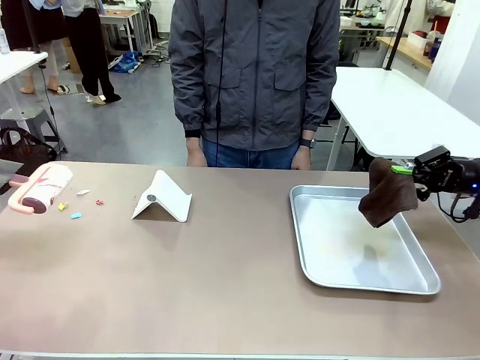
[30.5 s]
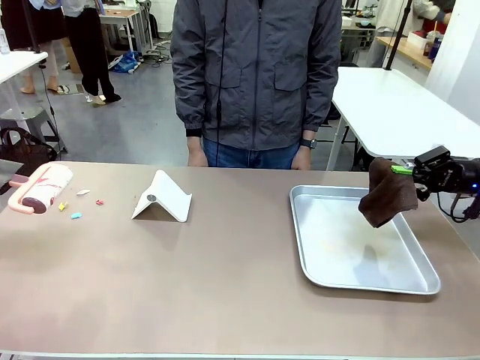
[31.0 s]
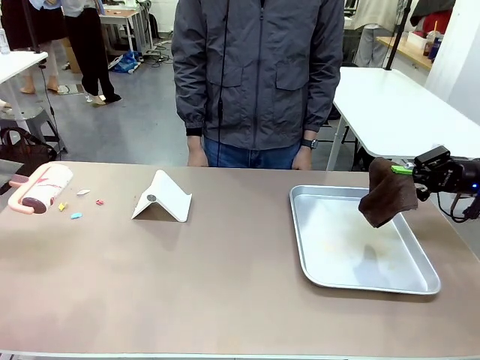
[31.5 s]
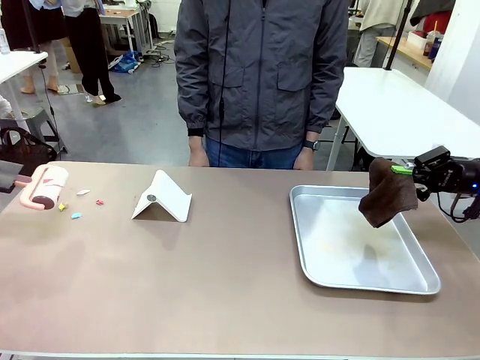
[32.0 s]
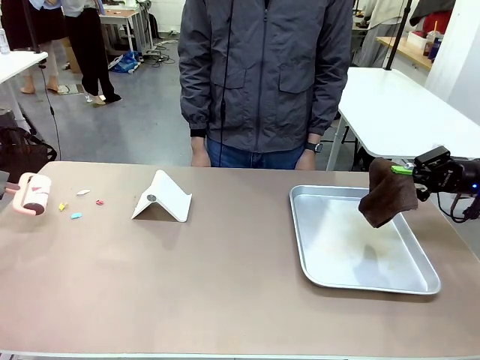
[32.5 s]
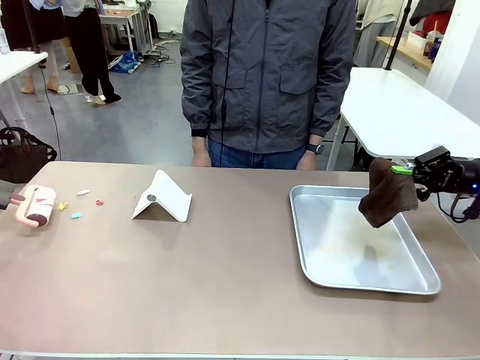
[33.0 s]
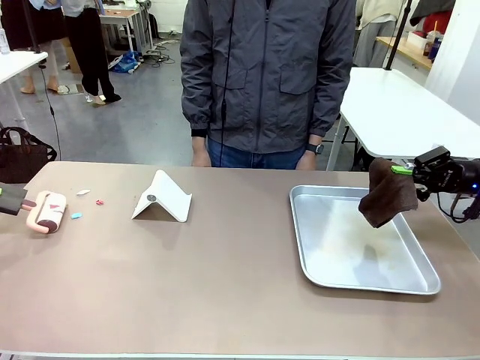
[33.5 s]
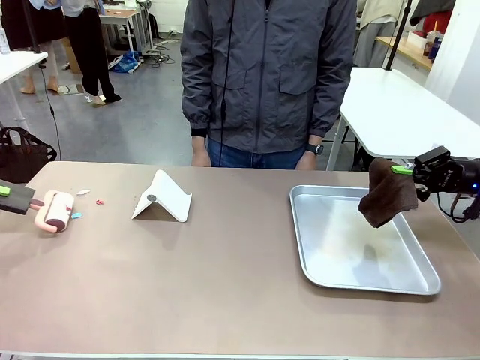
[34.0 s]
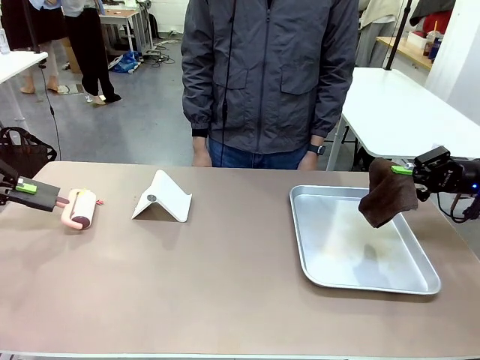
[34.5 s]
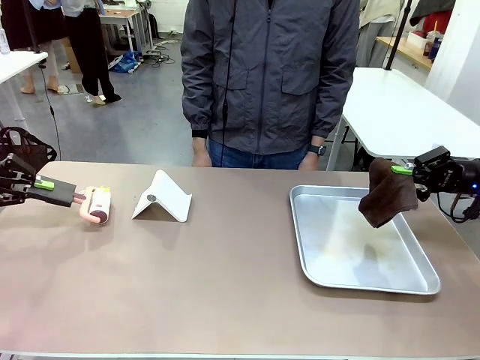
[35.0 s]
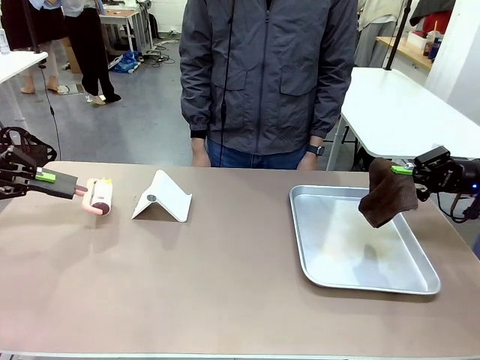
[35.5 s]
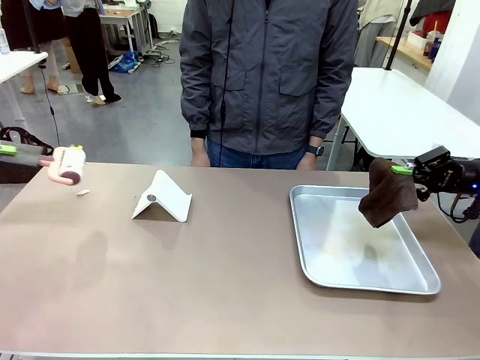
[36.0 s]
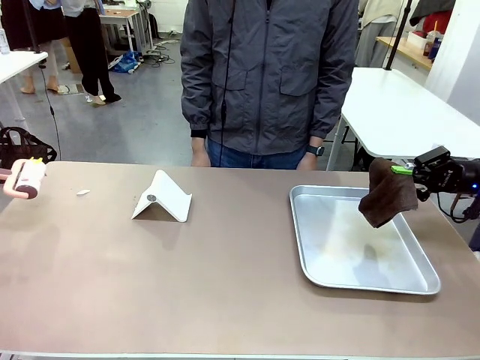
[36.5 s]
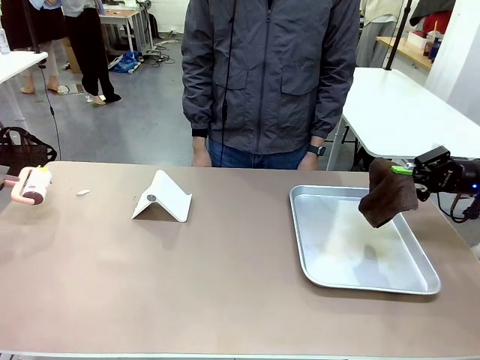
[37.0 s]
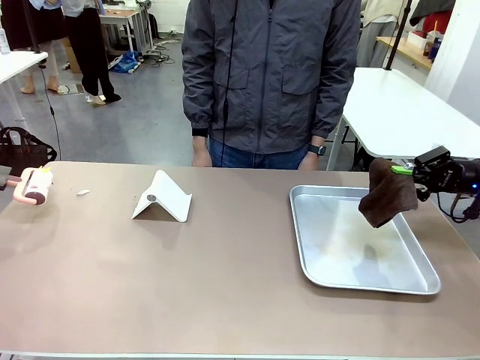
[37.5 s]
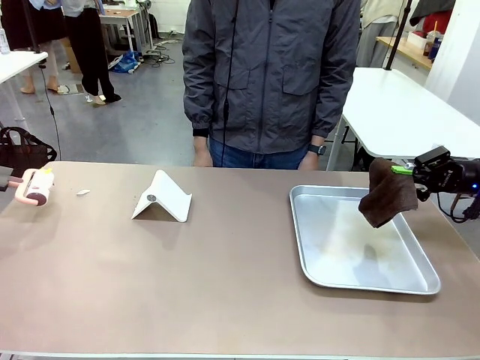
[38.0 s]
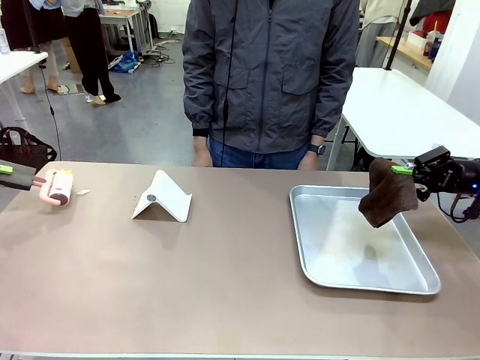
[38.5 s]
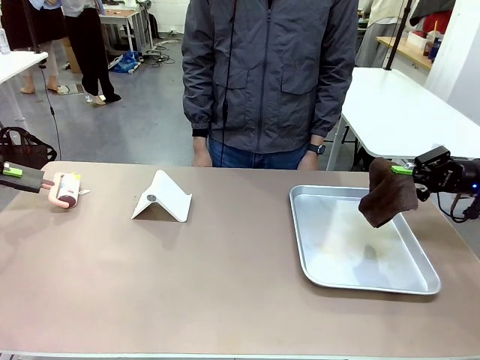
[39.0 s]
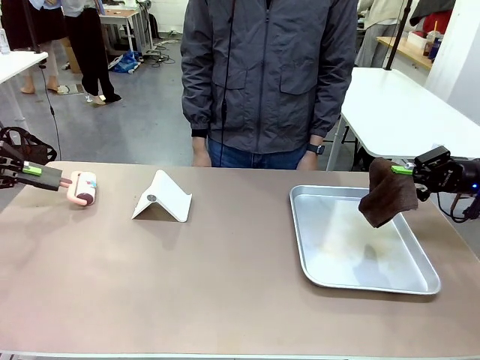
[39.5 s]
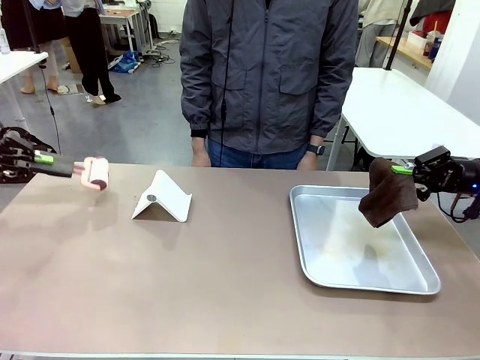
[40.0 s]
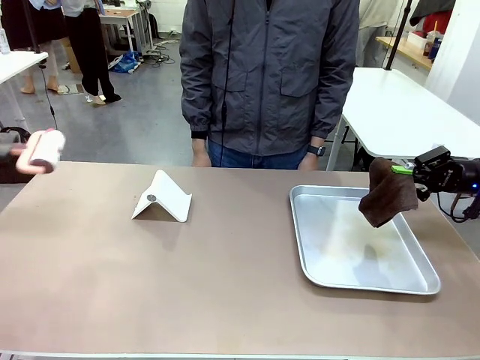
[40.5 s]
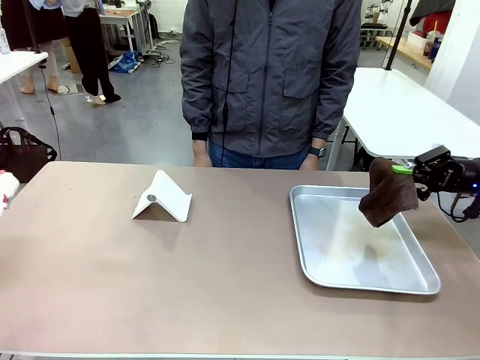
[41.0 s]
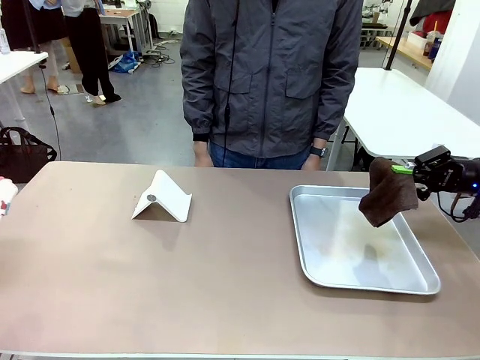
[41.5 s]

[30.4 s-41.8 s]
Task: Clean the surface of the table.
Robot: Clean the area not pointed to by the person.

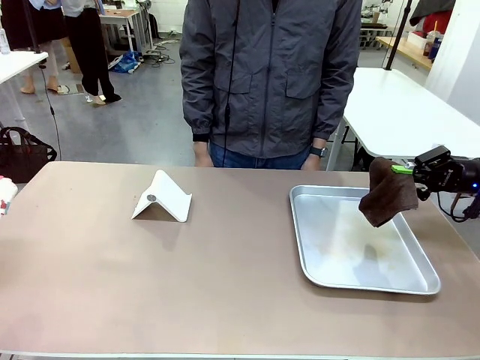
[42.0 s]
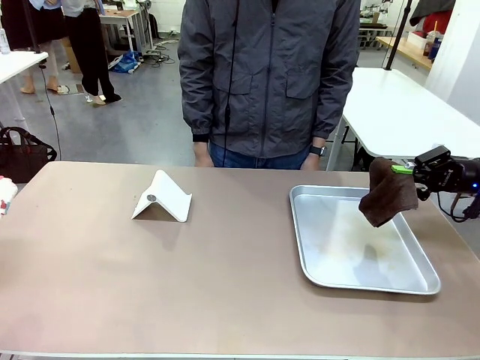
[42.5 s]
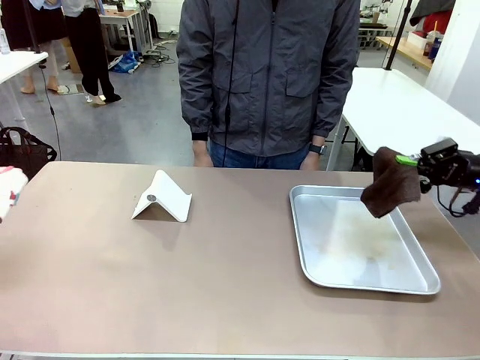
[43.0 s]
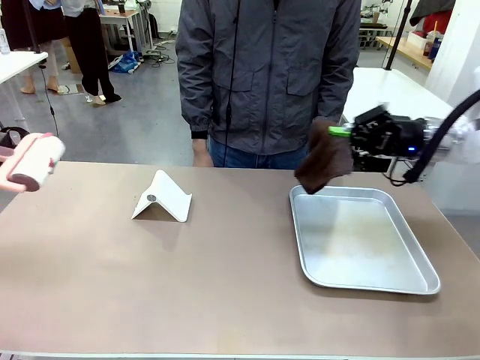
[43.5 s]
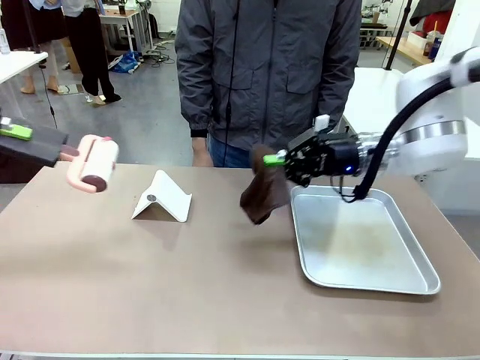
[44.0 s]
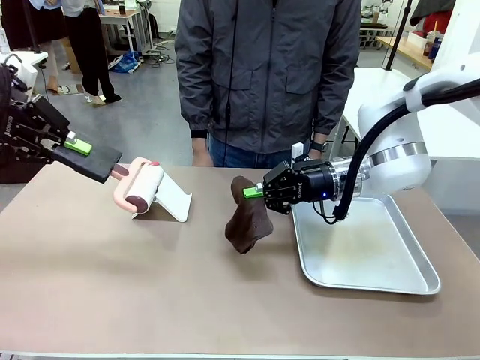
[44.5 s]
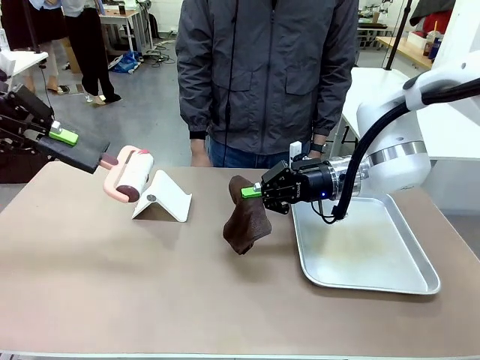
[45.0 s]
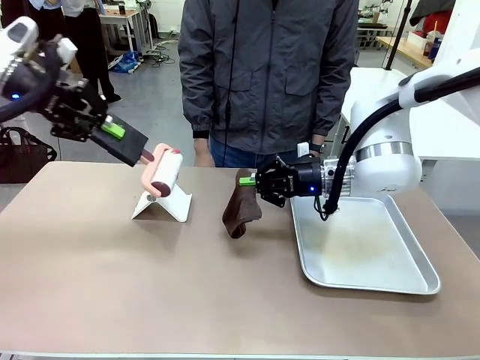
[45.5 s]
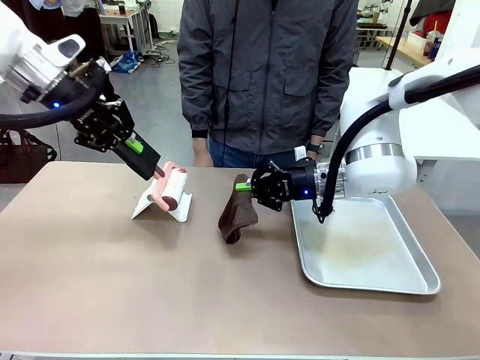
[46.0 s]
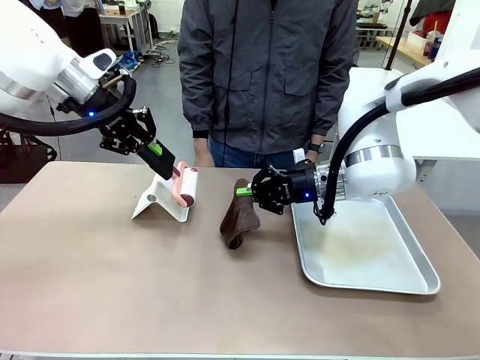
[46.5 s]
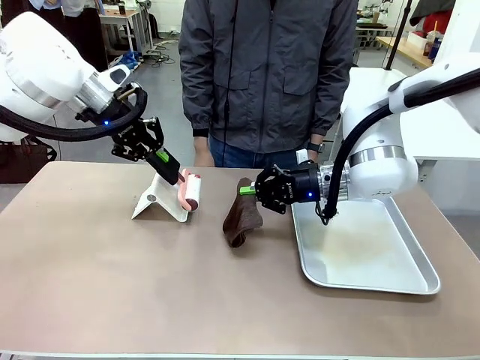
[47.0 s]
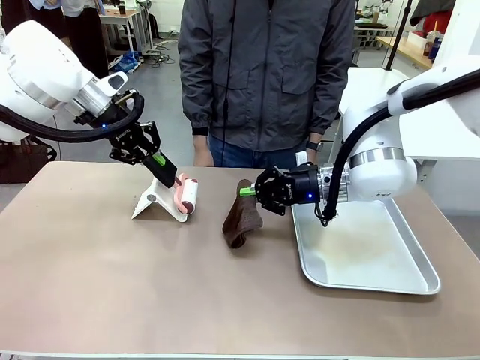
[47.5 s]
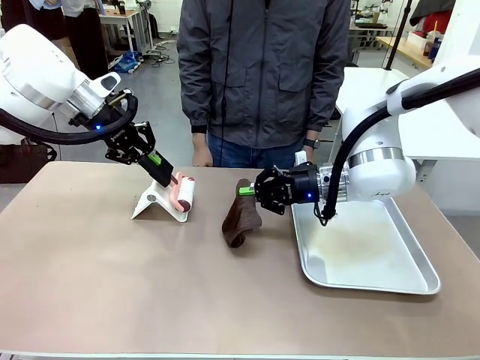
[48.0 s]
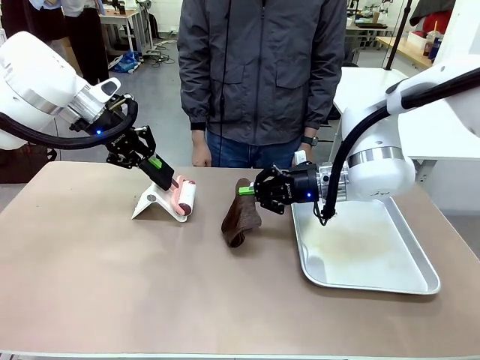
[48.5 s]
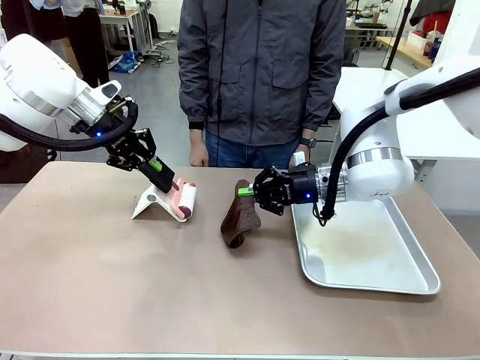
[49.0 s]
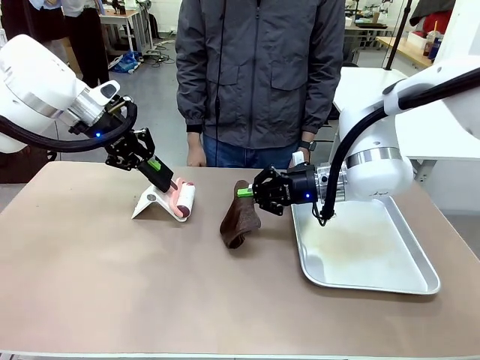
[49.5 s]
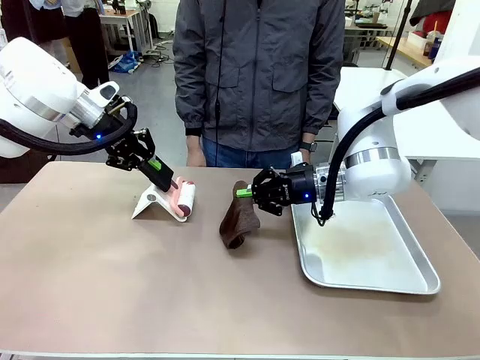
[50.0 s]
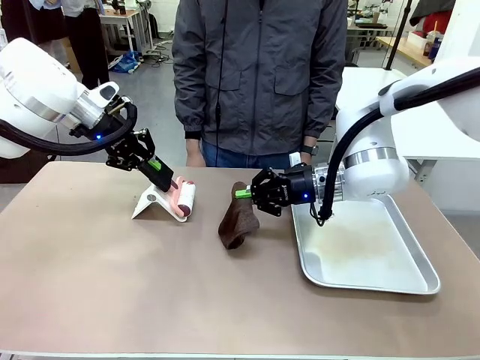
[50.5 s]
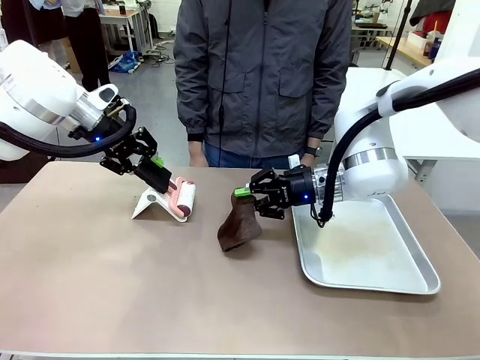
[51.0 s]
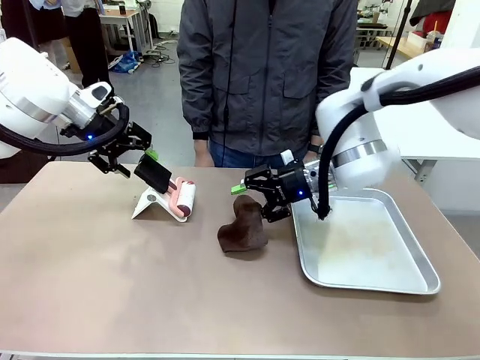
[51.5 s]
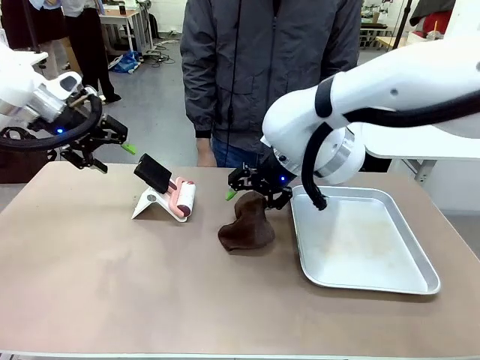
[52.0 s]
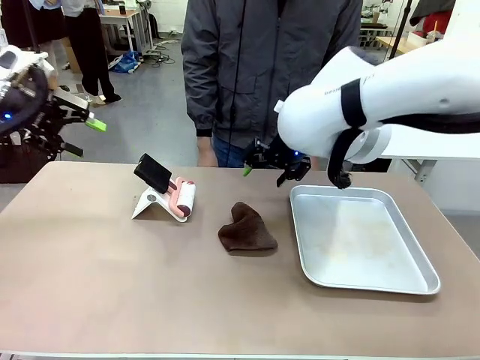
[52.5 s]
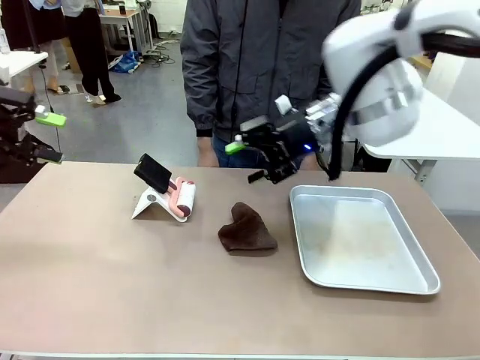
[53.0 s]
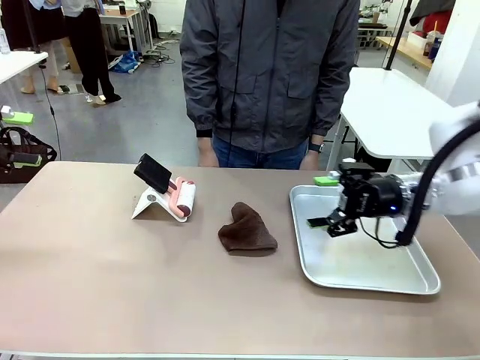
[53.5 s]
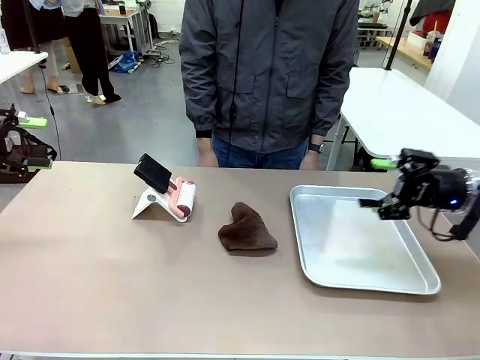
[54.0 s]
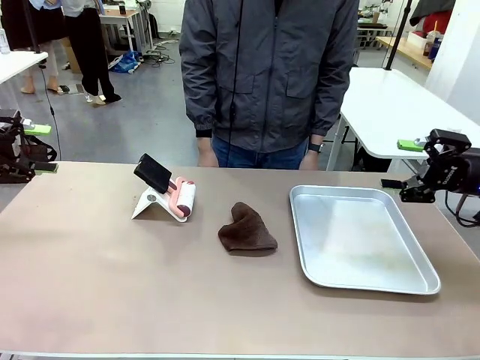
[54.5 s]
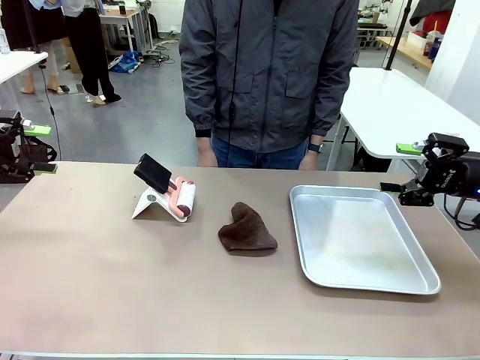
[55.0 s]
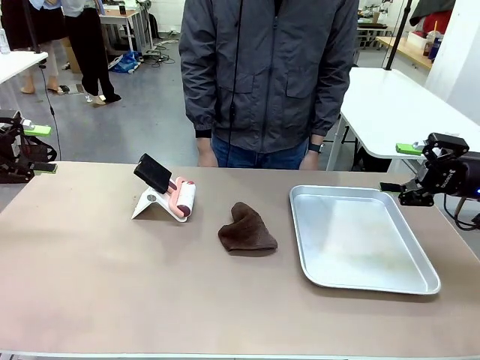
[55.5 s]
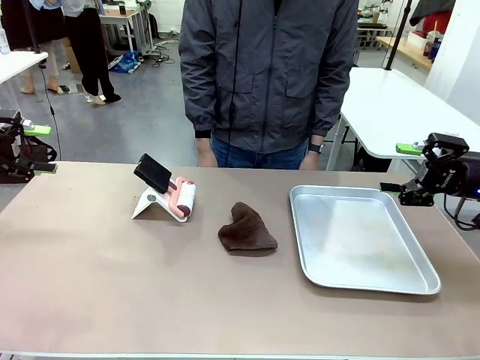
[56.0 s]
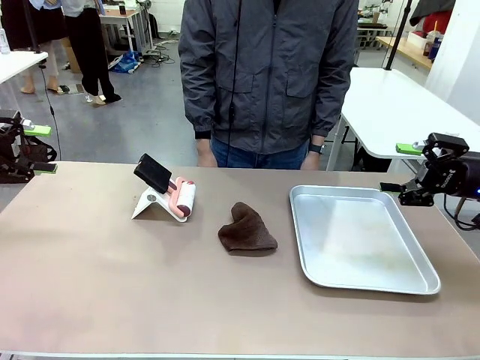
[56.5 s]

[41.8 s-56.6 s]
Robot: Return the Lint Roller and towel to their original positions.
